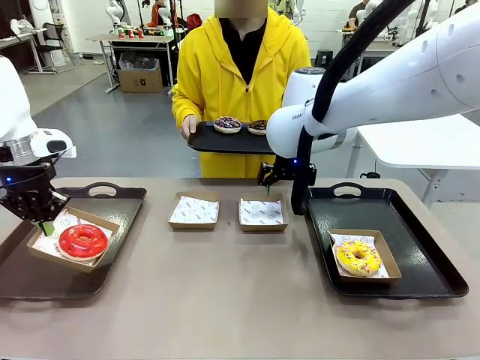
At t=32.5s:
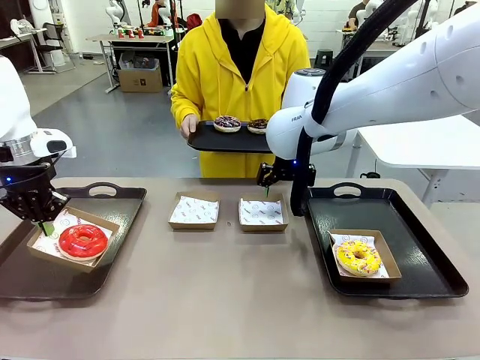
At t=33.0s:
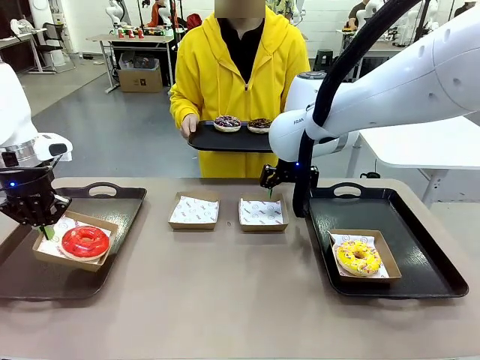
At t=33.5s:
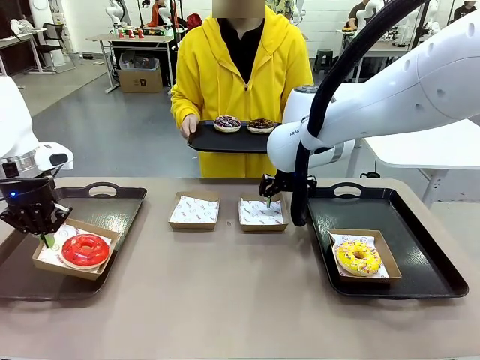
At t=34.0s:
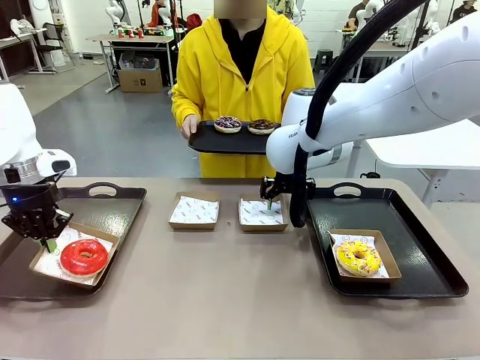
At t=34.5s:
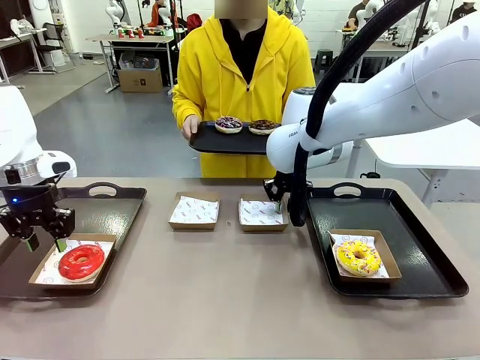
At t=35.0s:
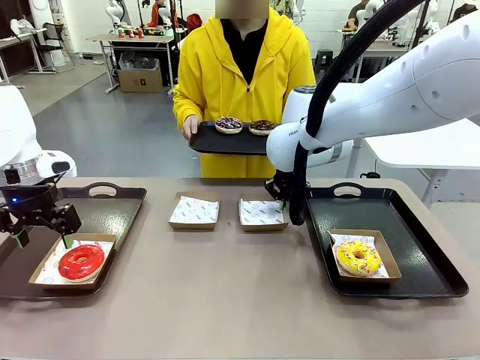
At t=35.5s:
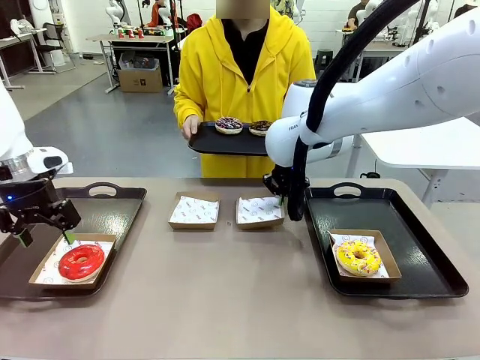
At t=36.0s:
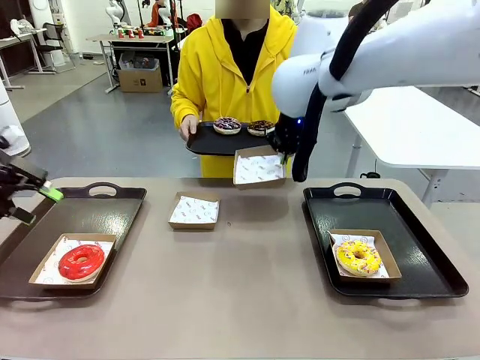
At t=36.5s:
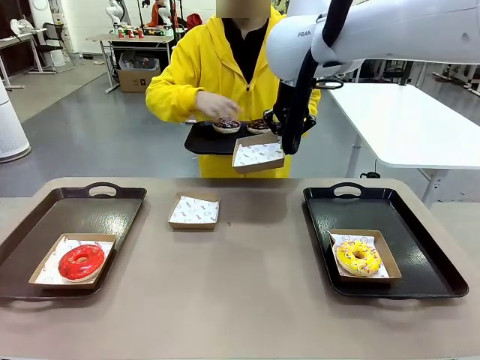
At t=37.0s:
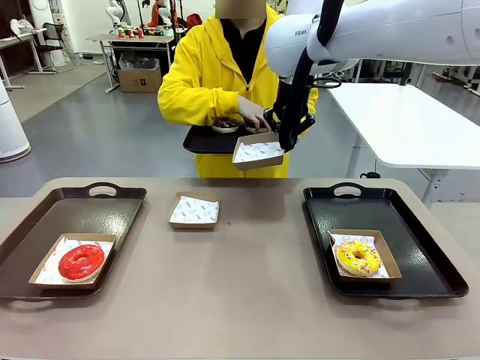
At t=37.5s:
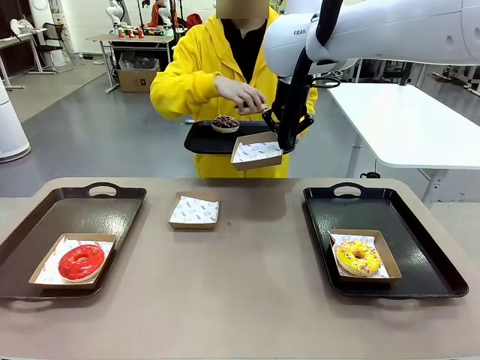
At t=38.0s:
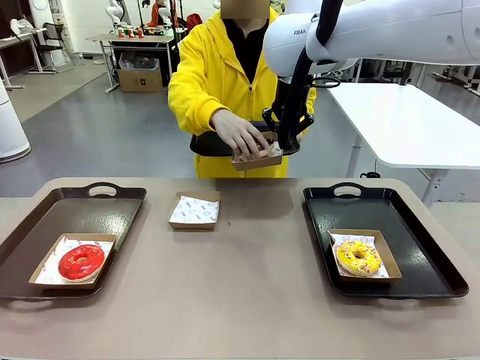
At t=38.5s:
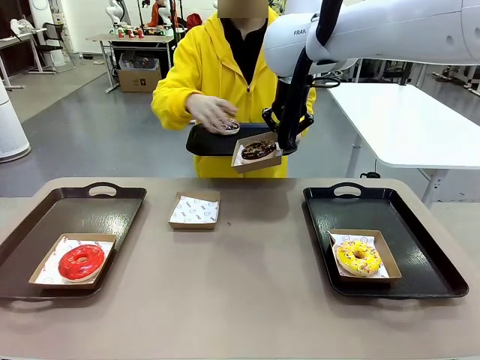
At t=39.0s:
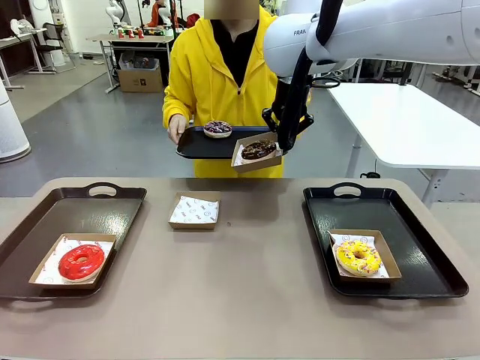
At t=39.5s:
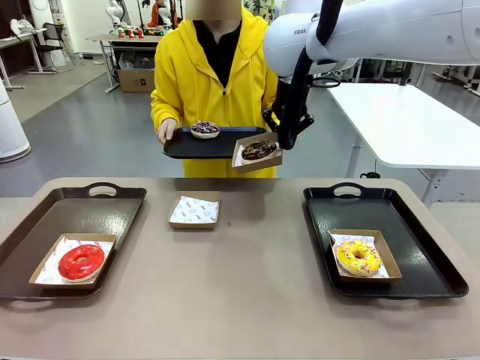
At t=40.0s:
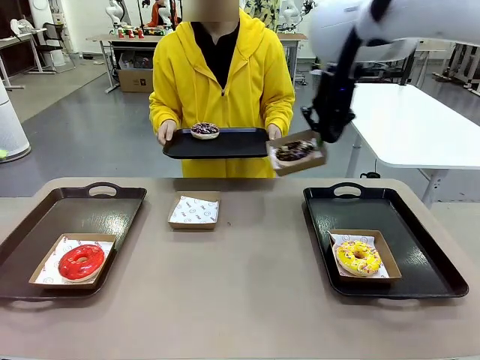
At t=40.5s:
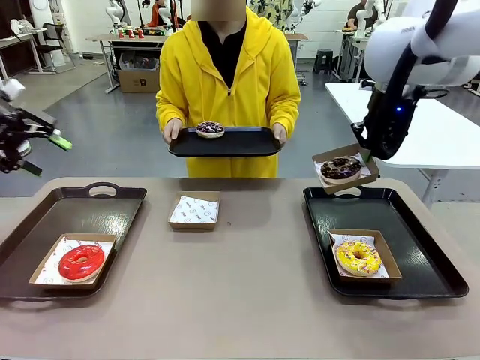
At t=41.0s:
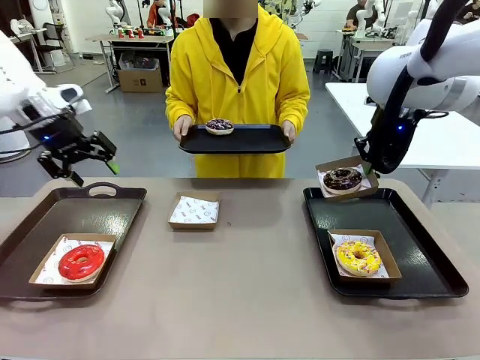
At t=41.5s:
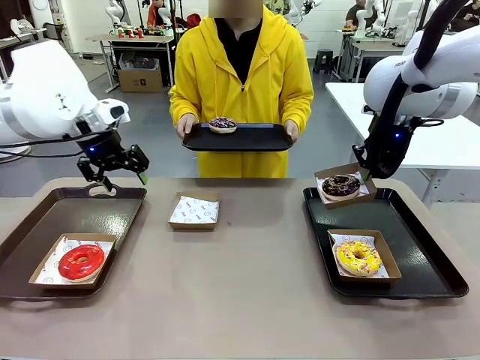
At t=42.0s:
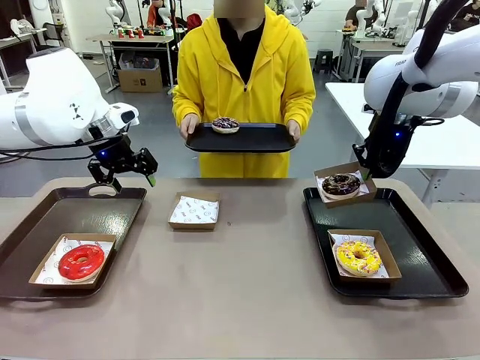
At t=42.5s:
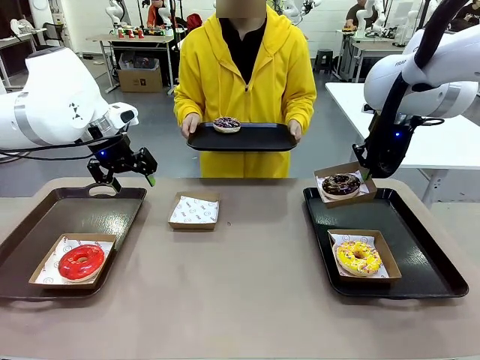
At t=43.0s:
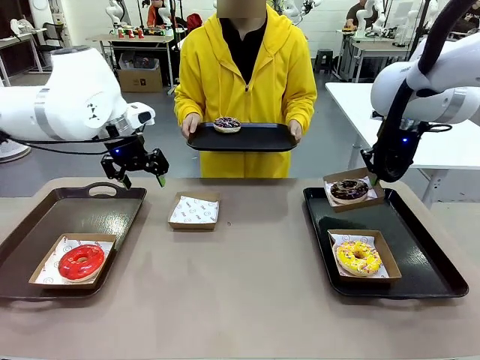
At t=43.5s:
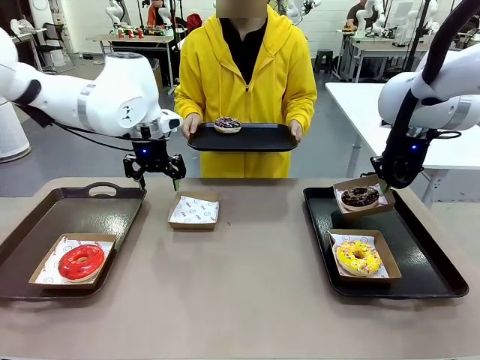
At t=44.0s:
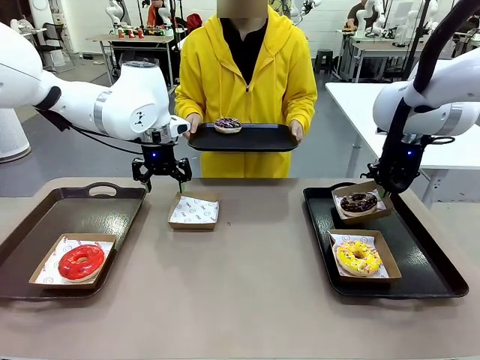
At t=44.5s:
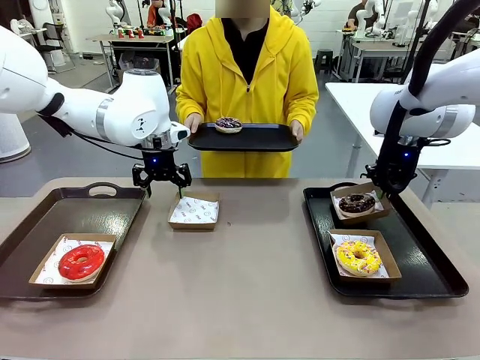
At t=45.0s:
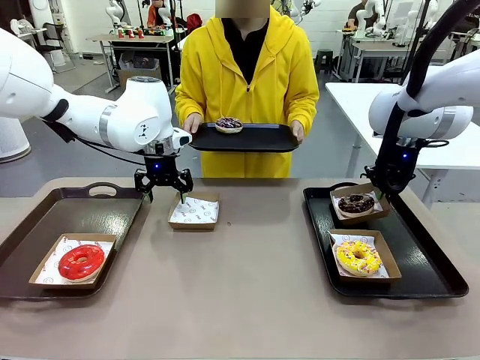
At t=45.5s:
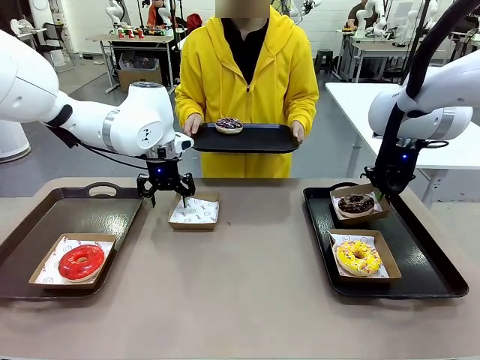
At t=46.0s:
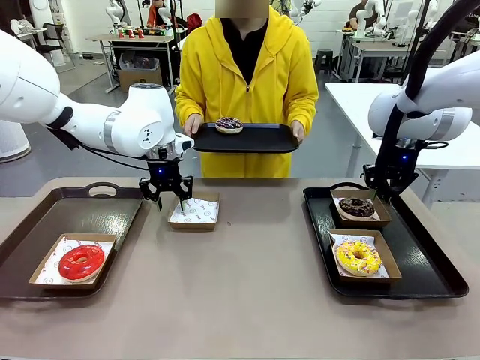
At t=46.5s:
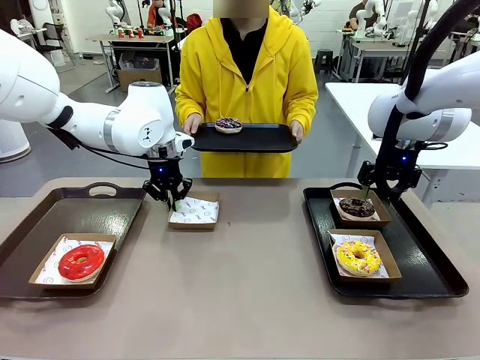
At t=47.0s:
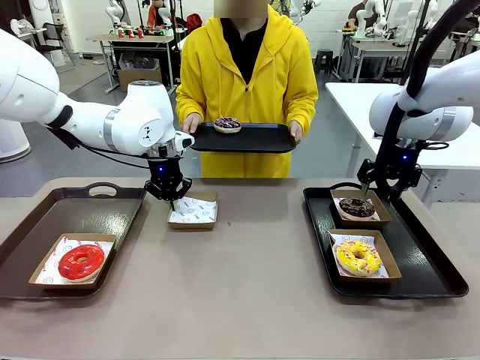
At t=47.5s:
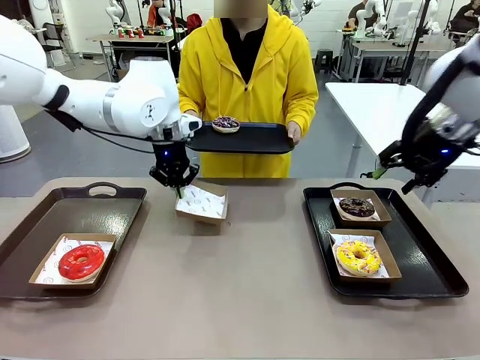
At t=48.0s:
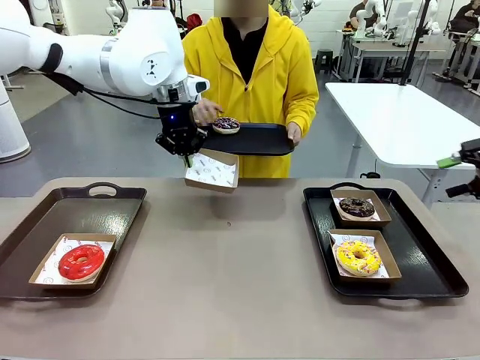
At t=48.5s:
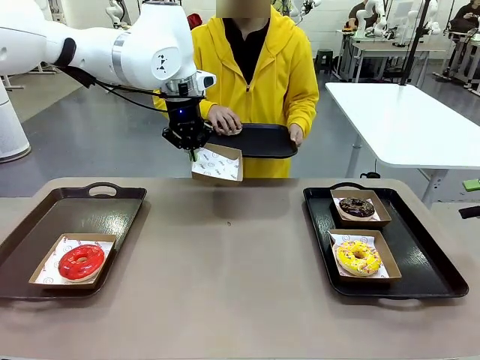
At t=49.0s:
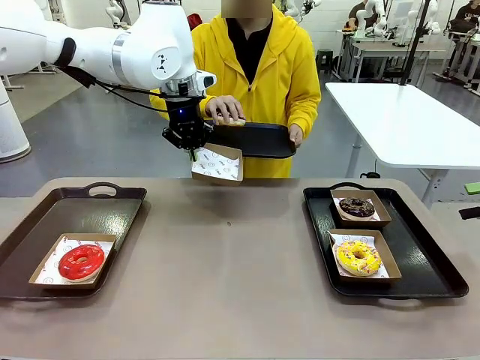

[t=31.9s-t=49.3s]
Task: Individually package the donuts and arrange them on the tray.
Robot: Place the picked Paper togo box on the Handle tray while simultaneously picking up another Paper togo box from the table with the other hand.

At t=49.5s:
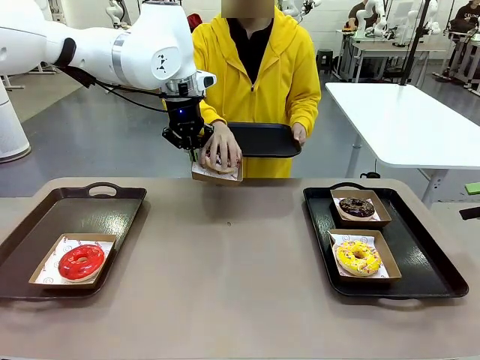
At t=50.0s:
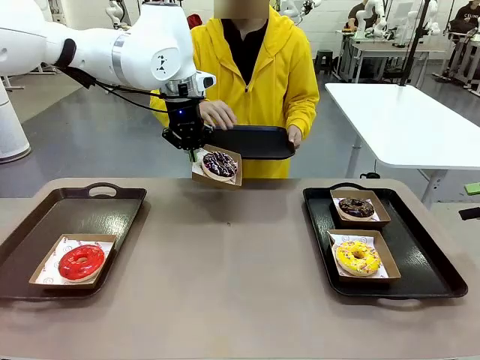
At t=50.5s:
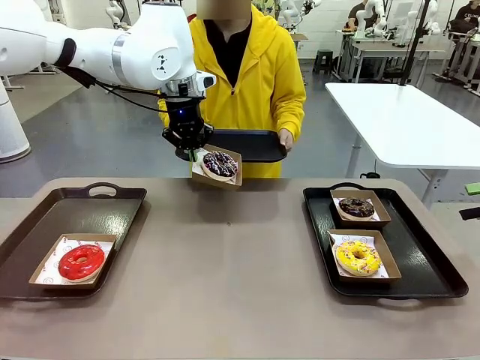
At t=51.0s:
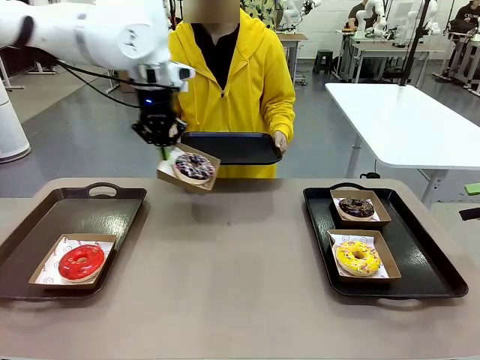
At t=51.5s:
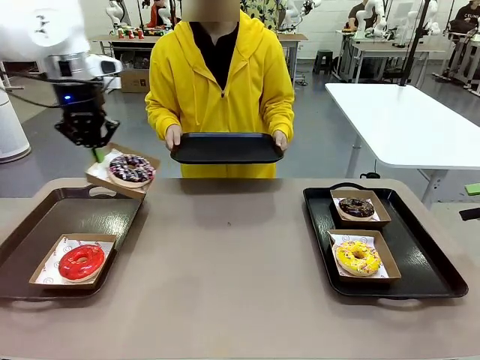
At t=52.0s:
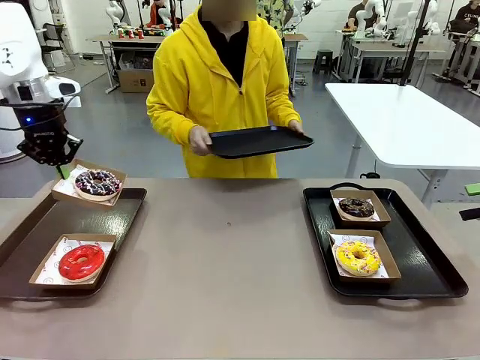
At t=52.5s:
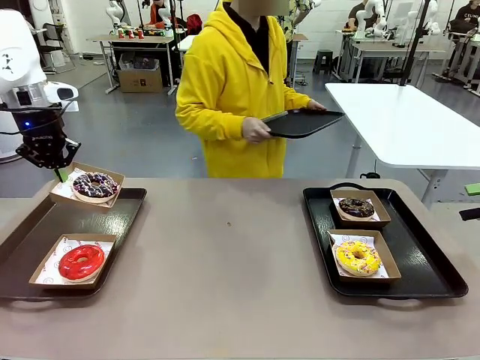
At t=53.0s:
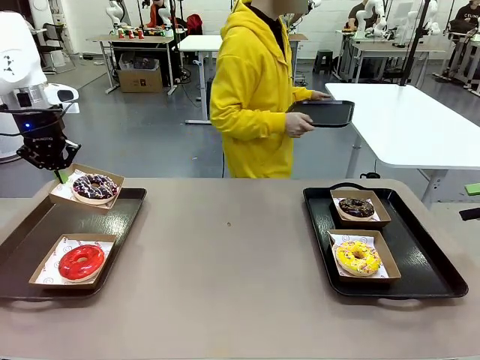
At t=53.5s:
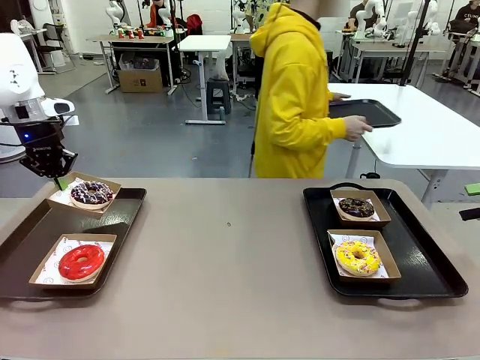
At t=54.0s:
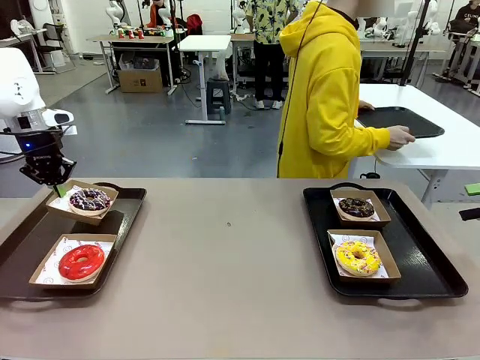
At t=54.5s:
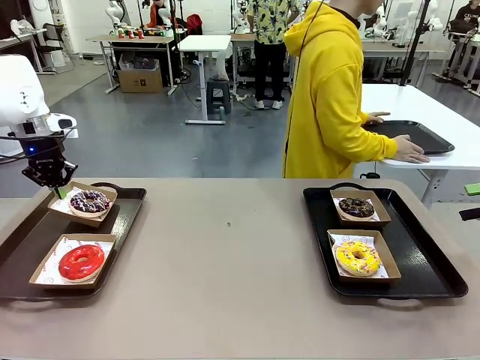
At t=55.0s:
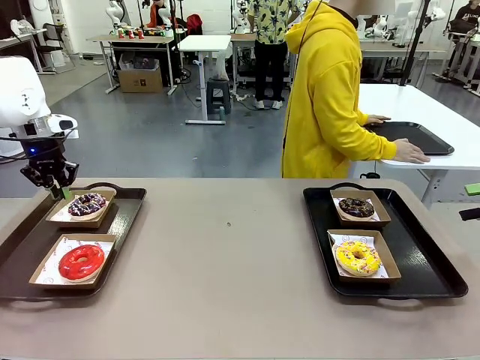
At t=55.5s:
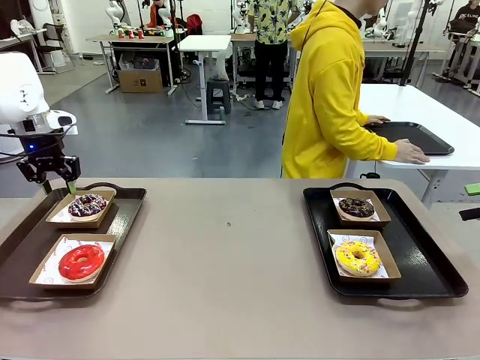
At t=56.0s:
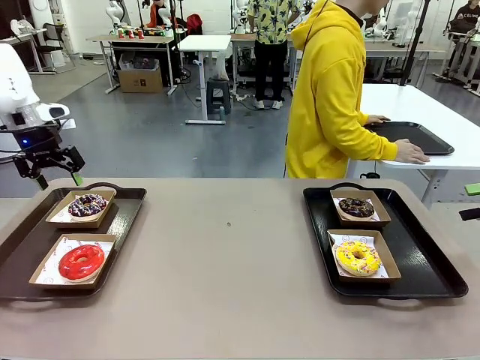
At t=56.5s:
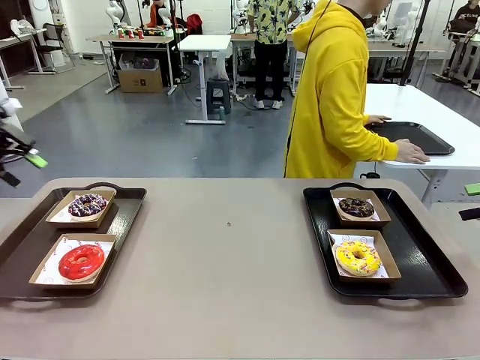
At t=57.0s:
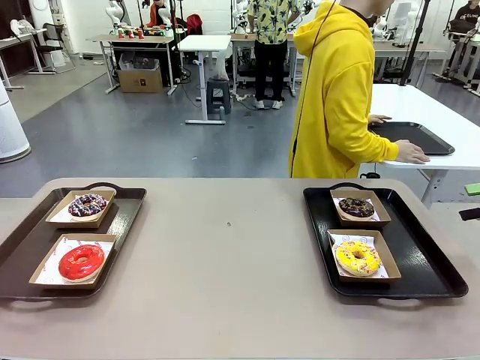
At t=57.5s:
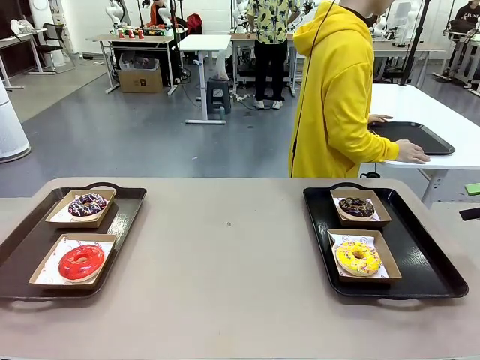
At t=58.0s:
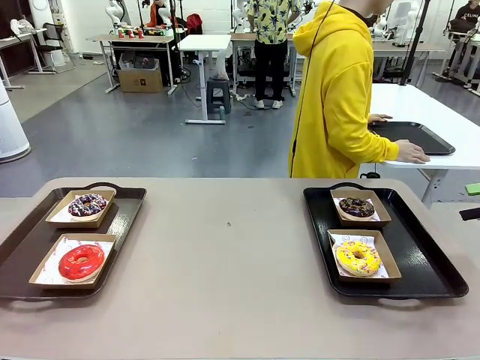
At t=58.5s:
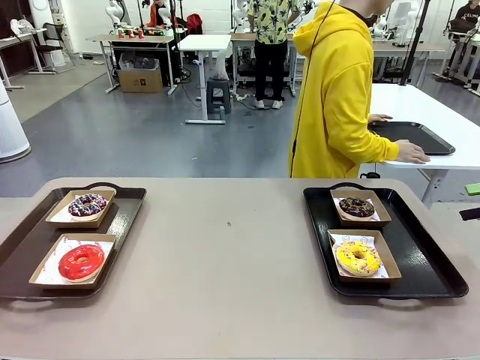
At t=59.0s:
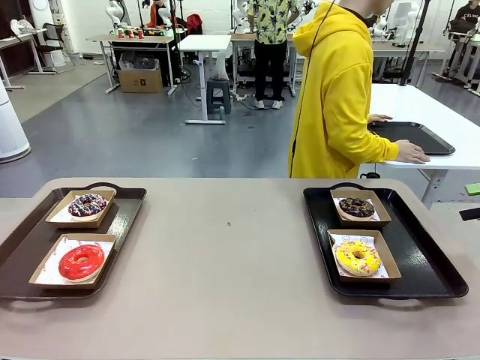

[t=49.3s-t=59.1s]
Robot: Place the picked Paper togo box on the Handle tray.
Person: Place the tray down in the middle of the human table.

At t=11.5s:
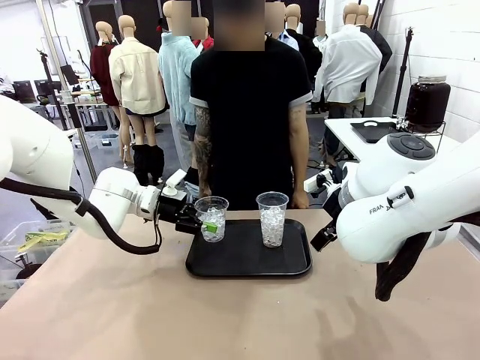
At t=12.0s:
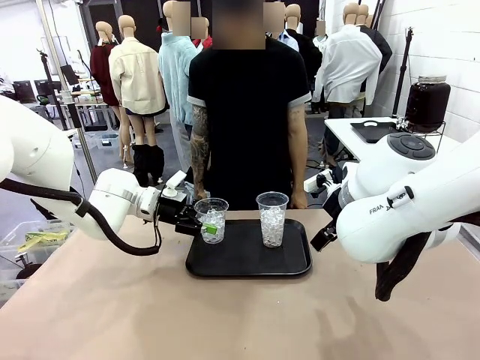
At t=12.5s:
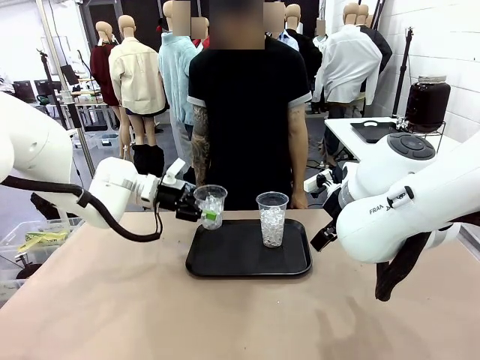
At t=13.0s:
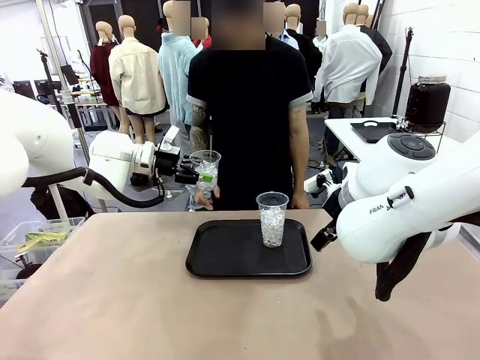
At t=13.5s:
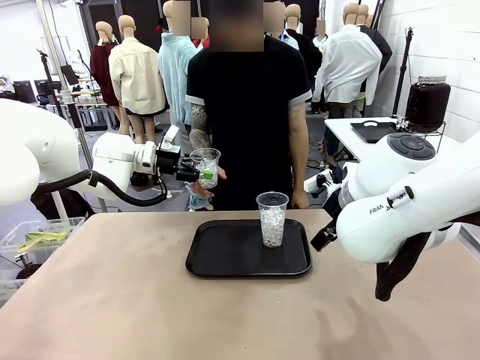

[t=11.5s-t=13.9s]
Task: Pour the drink into the iced cup.
Robot: Open the gripper to release the iced cup you were holding.
